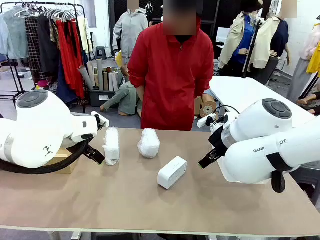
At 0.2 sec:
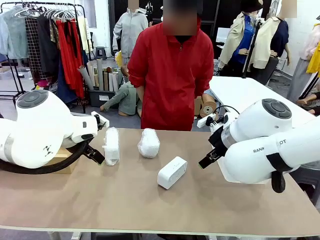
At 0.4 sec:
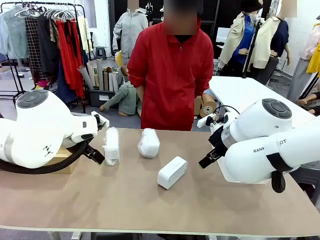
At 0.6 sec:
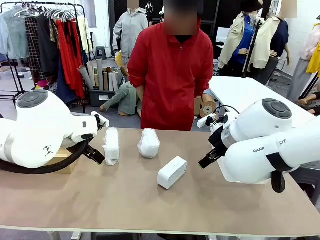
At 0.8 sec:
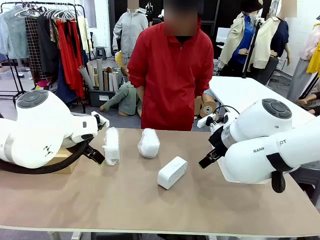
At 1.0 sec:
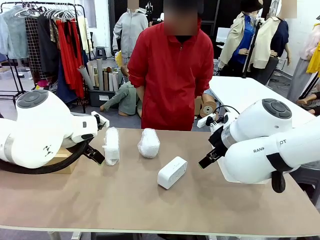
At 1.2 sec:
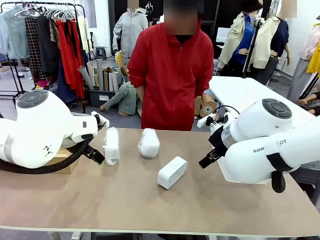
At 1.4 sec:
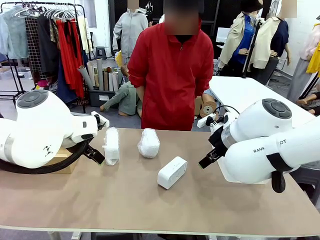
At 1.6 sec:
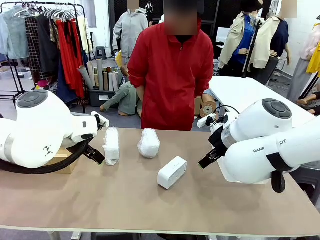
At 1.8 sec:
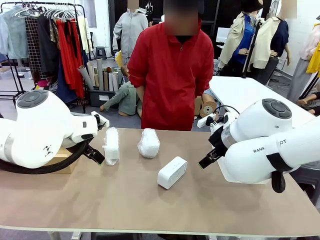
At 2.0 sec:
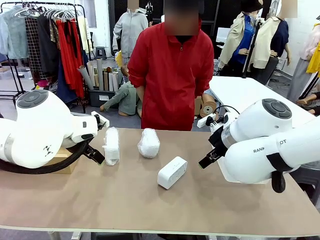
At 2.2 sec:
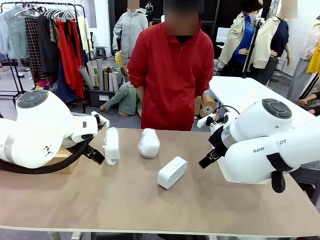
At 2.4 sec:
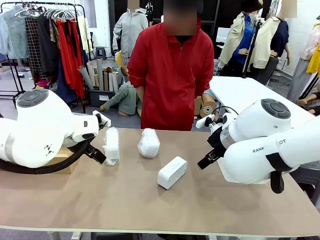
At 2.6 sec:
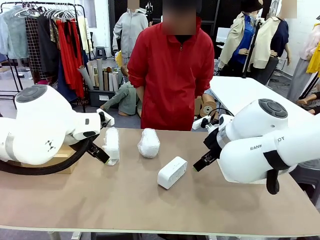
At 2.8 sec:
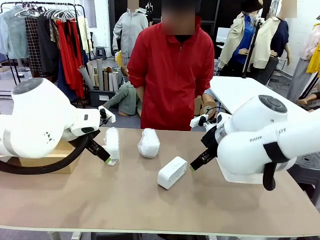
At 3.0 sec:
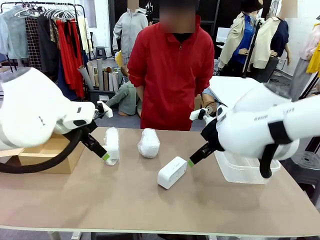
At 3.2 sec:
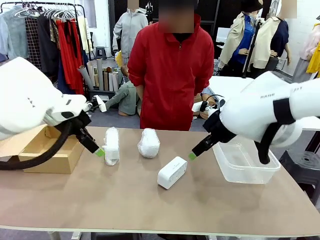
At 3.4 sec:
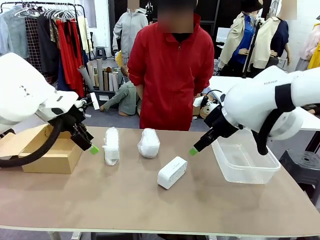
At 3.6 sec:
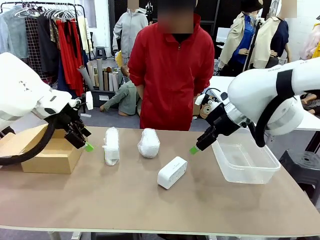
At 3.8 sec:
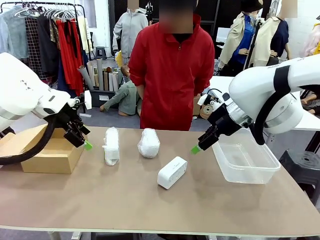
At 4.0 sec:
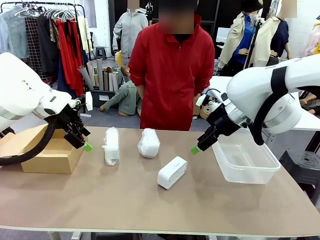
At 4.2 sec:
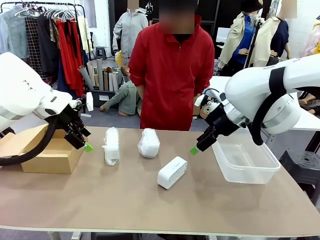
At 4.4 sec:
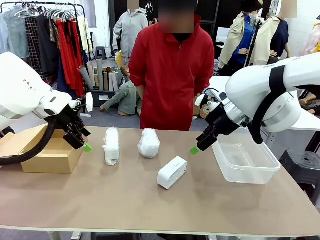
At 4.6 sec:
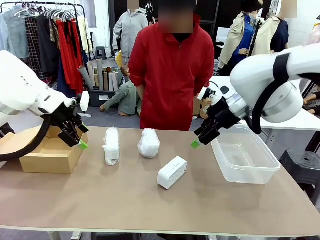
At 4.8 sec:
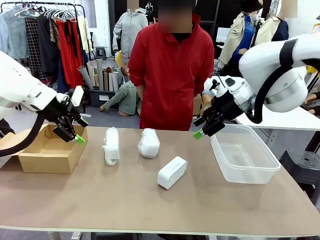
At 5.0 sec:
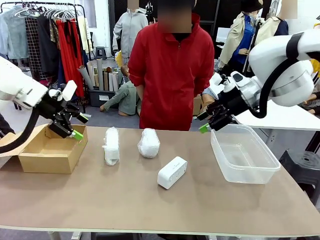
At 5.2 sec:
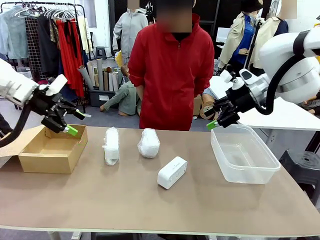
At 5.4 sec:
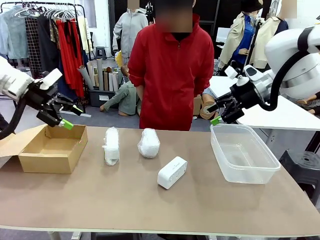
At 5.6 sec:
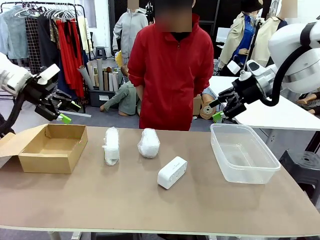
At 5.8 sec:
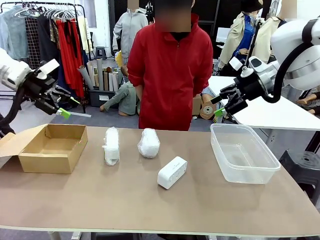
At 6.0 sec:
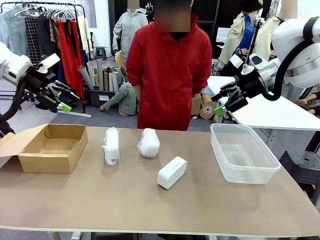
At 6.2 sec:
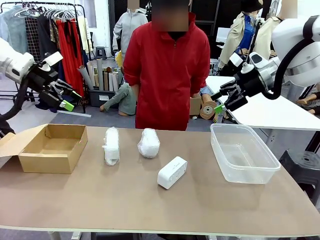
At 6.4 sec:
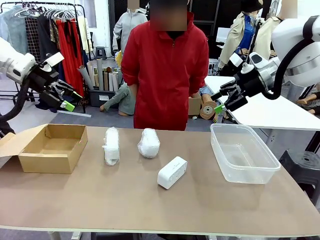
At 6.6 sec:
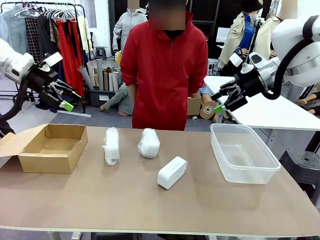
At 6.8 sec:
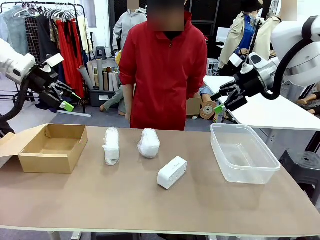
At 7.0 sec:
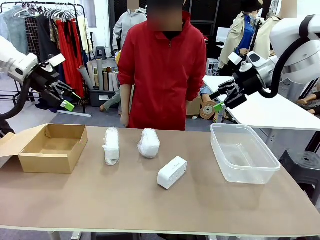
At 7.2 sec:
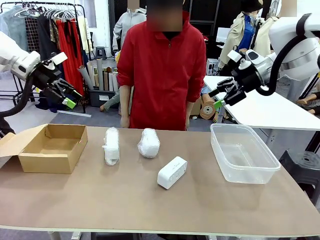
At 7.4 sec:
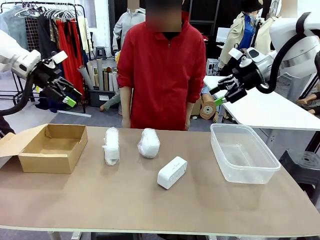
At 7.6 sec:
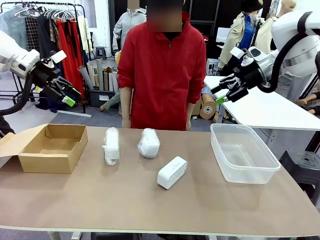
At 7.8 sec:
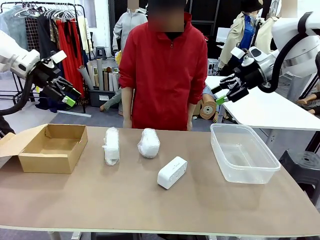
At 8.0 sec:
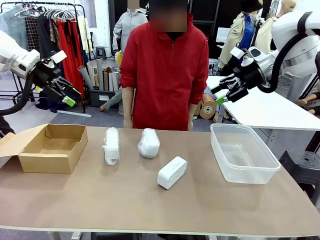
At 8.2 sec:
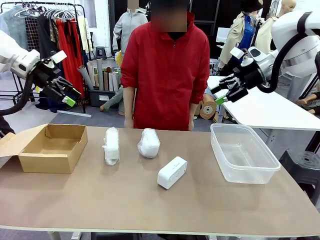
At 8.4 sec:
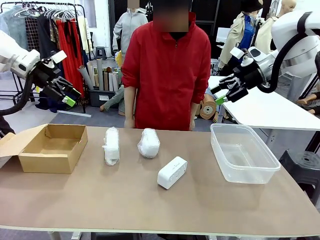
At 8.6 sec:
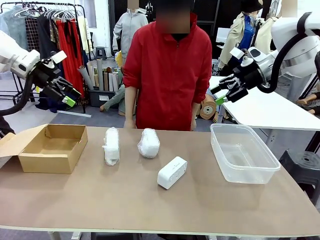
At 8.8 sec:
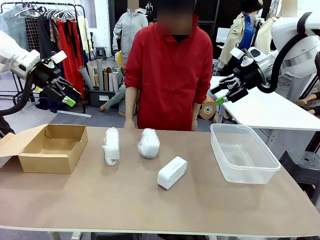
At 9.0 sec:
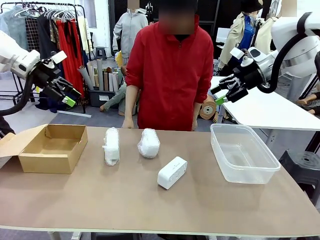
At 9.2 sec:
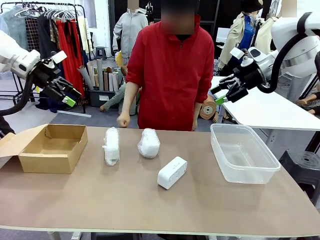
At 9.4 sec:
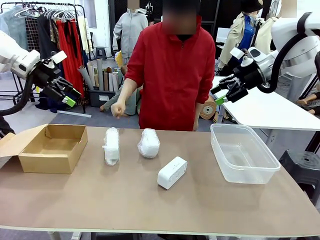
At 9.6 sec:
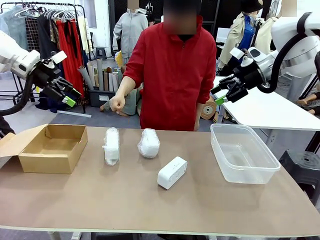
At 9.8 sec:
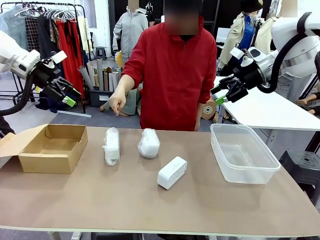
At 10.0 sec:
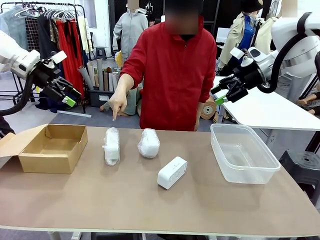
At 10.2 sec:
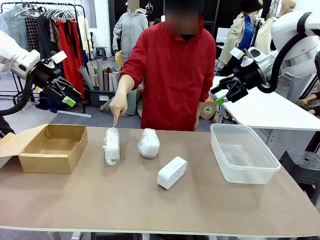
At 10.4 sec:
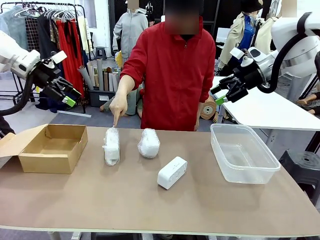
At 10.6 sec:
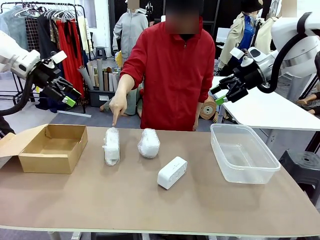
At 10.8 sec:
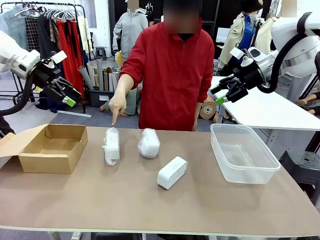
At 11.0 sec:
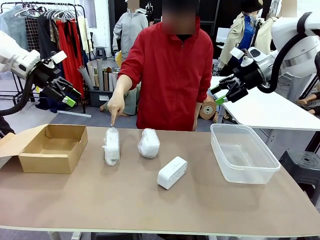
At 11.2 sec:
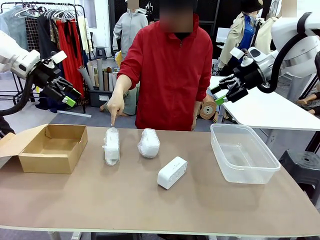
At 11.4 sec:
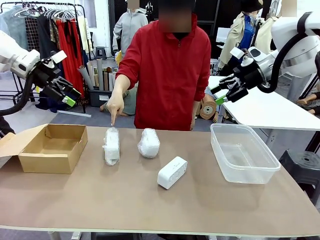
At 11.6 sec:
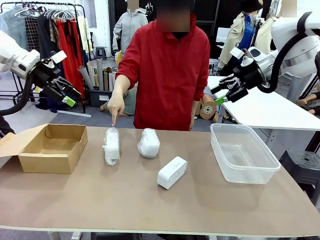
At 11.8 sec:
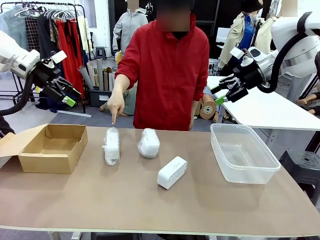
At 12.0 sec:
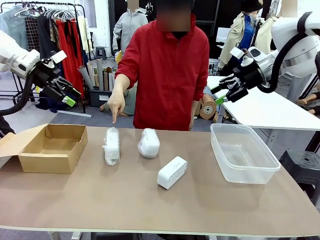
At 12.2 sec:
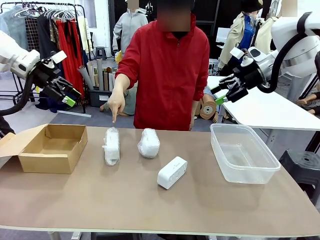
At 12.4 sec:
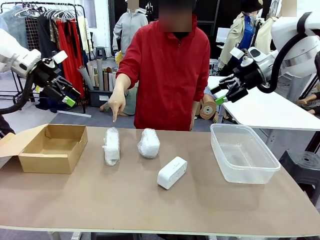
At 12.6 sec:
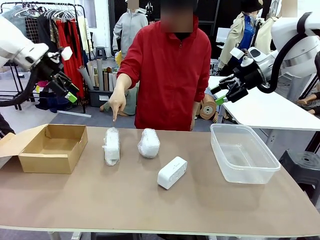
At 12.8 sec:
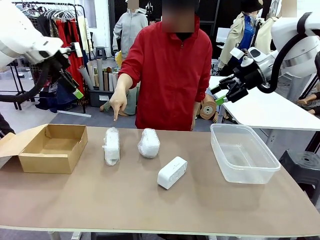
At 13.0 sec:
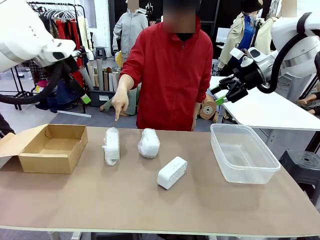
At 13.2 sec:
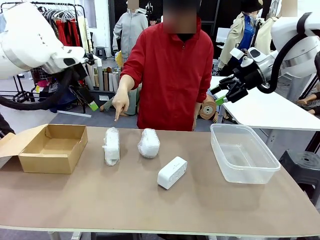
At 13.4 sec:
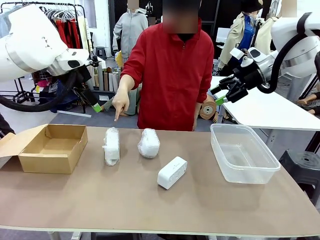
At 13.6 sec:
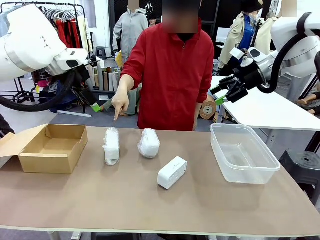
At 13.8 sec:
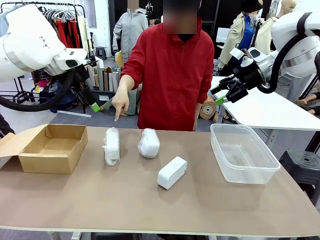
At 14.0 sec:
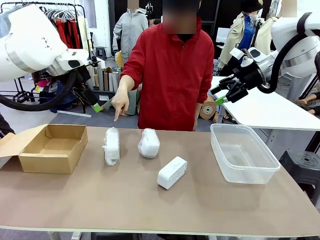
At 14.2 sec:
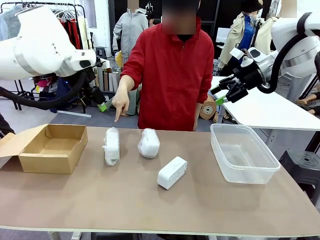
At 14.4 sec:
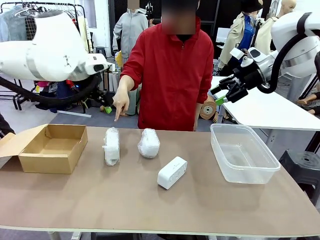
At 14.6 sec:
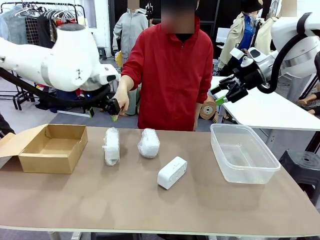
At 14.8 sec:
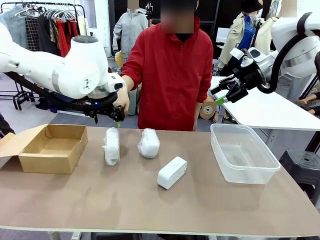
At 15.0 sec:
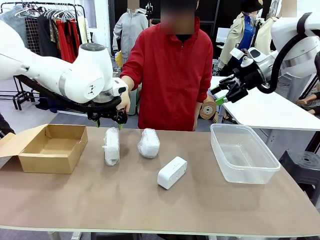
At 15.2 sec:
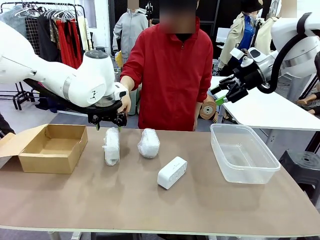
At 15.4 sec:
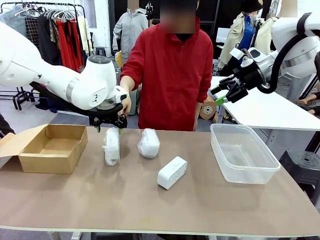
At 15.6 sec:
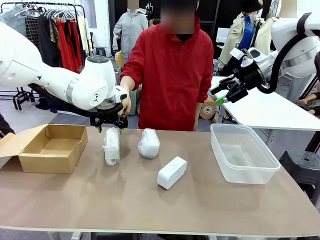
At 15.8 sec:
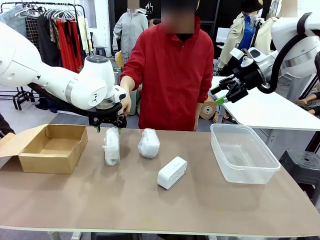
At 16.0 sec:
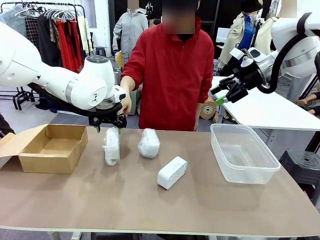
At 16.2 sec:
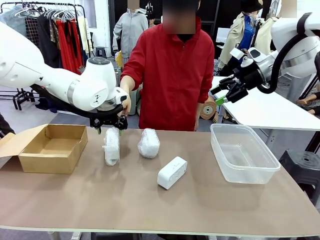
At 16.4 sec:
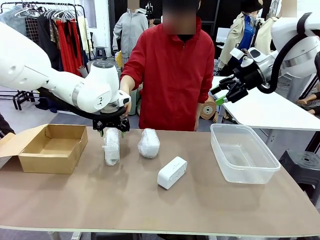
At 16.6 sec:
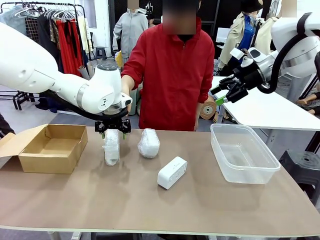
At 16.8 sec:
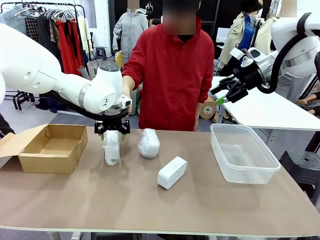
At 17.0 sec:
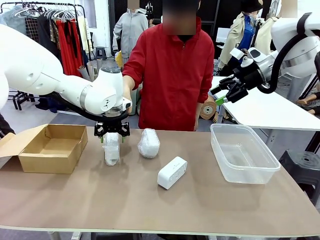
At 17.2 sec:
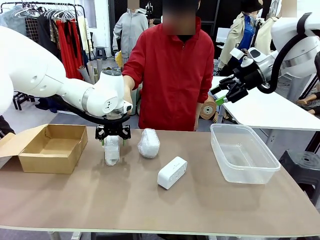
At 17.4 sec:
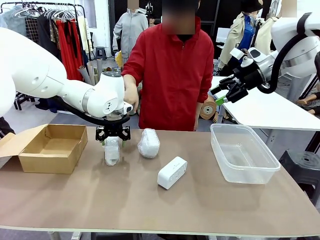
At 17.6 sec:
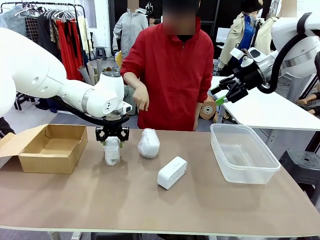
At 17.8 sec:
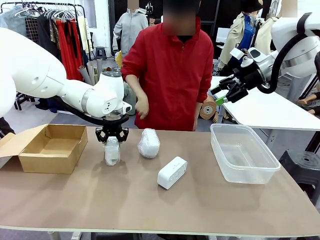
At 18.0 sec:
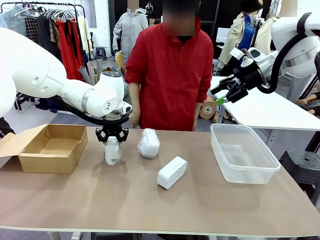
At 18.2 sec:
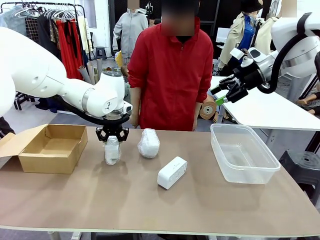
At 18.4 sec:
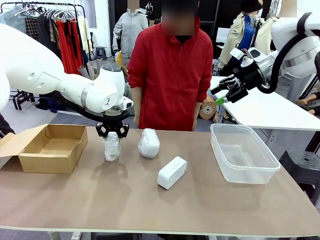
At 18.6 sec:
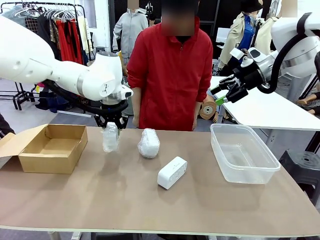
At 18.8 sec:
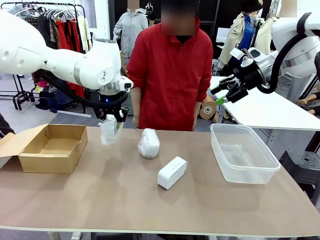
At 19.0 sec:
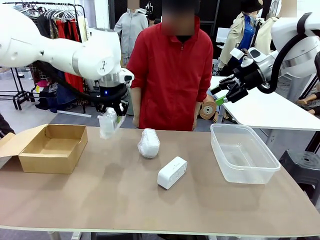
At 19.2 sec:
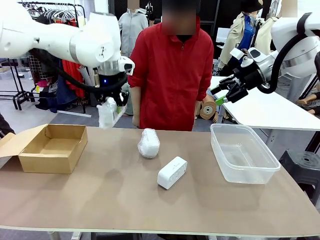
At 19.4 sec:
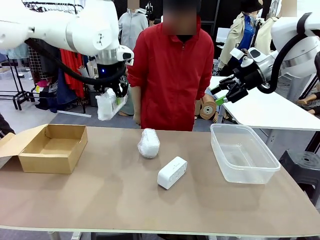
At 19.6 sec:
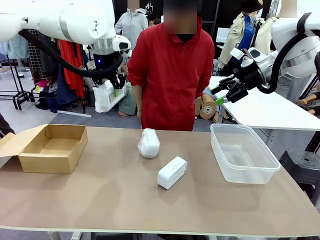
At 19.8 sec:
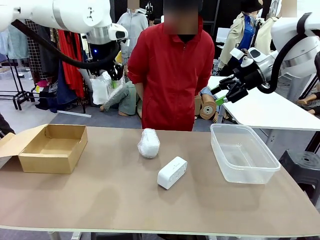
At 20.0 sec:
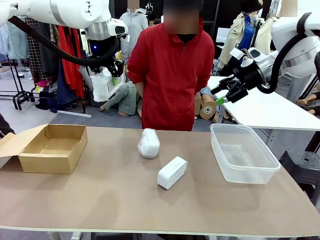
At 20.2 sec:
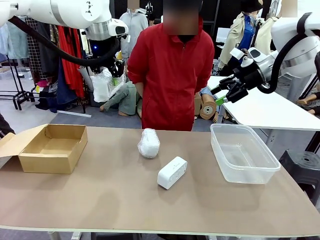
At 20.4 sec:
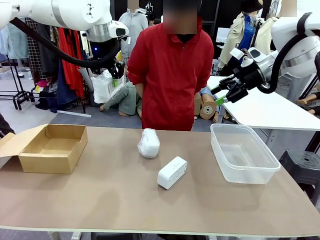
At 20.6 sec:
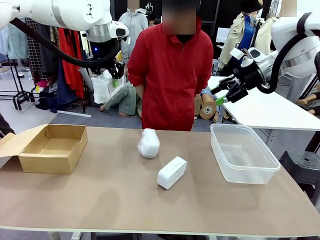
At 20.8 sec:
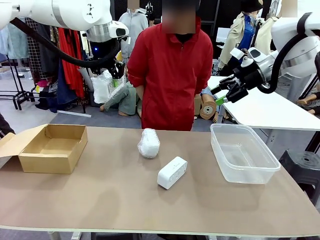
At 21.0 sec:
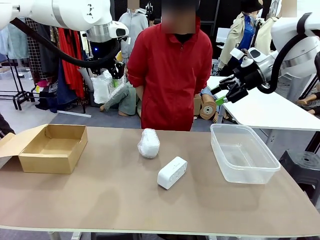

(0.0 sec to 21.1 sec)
Task: Separate and place wrapped and unwrapped clocks.
Robot: Pick up the Digital clock indicated by the person.
